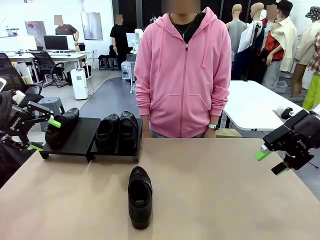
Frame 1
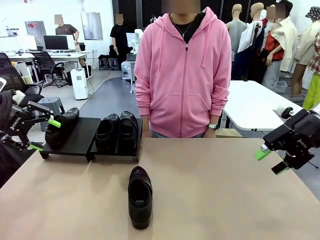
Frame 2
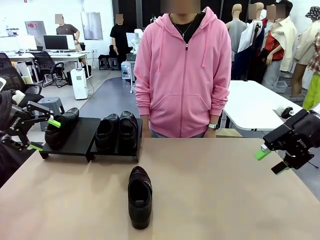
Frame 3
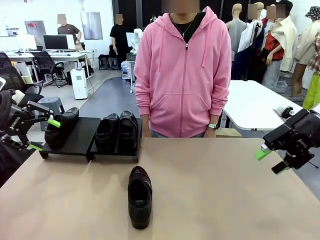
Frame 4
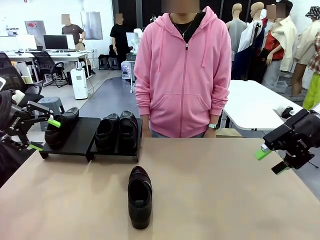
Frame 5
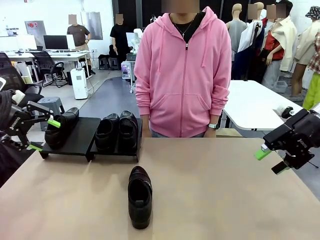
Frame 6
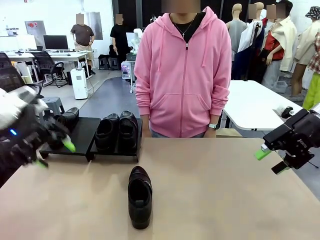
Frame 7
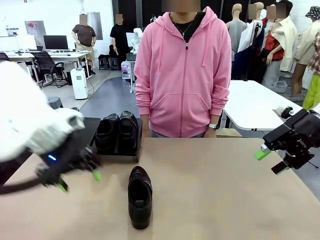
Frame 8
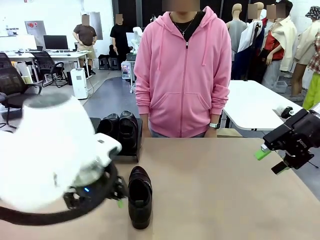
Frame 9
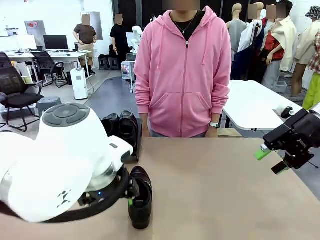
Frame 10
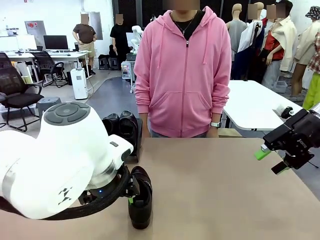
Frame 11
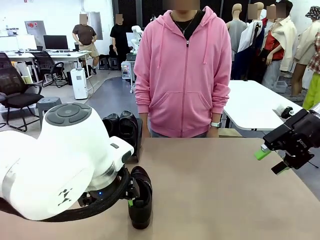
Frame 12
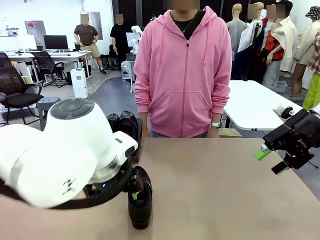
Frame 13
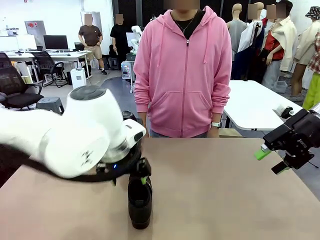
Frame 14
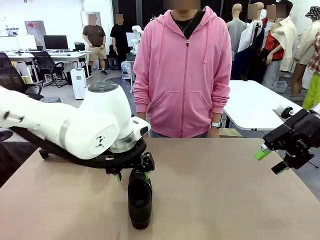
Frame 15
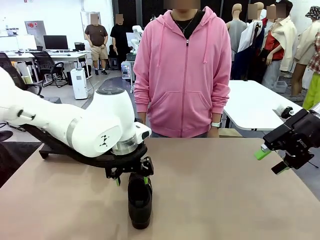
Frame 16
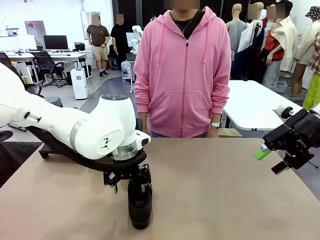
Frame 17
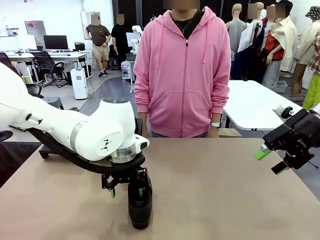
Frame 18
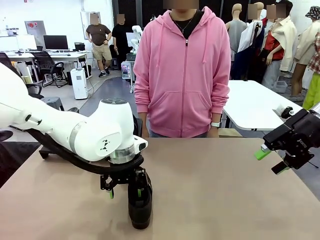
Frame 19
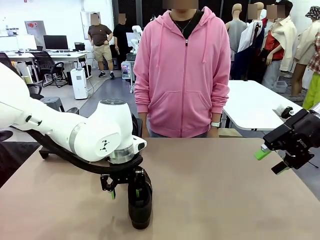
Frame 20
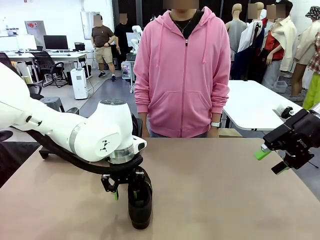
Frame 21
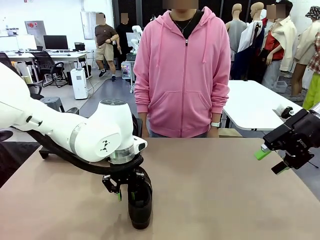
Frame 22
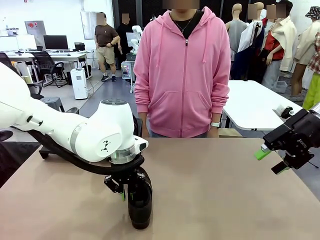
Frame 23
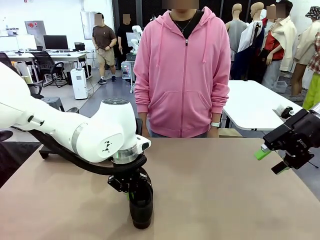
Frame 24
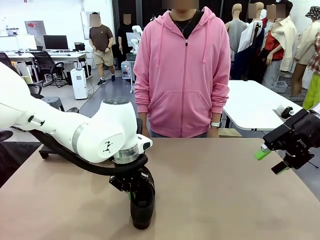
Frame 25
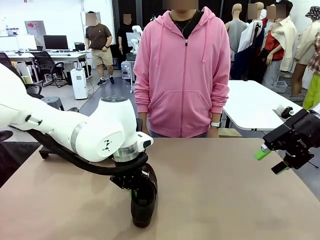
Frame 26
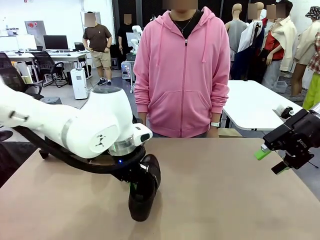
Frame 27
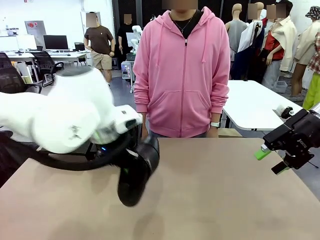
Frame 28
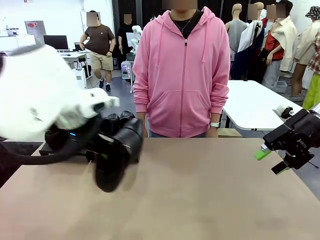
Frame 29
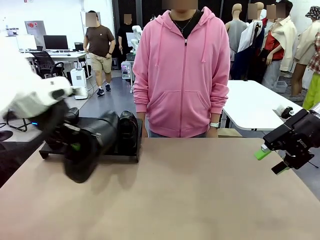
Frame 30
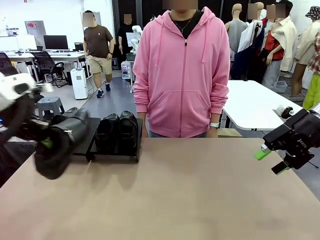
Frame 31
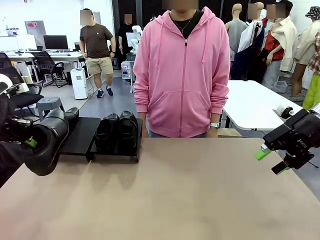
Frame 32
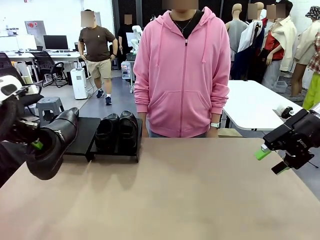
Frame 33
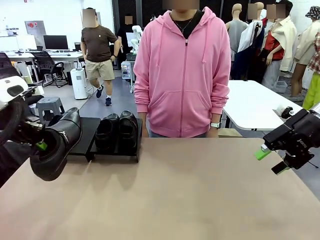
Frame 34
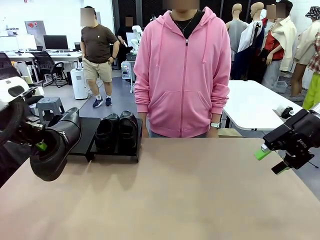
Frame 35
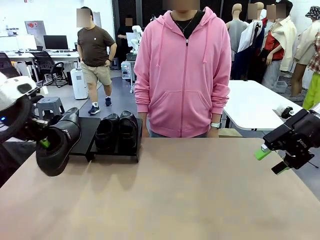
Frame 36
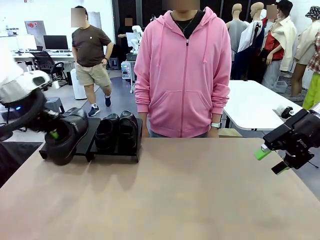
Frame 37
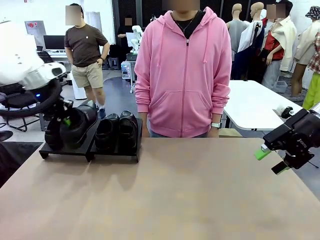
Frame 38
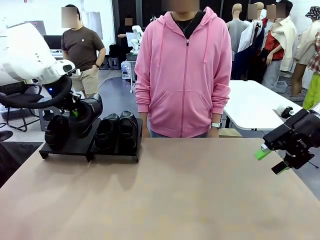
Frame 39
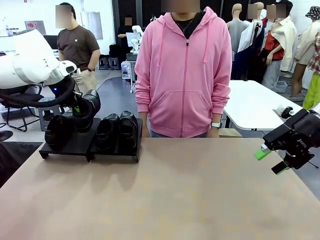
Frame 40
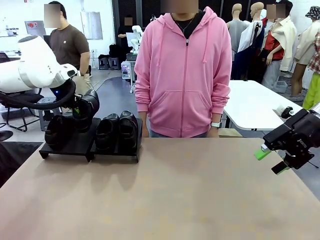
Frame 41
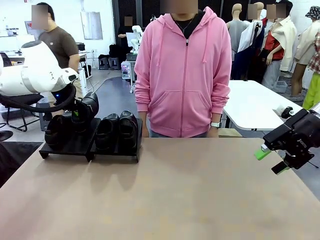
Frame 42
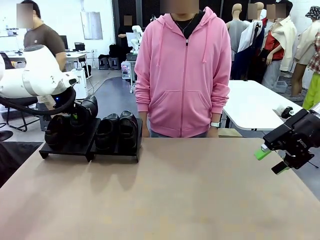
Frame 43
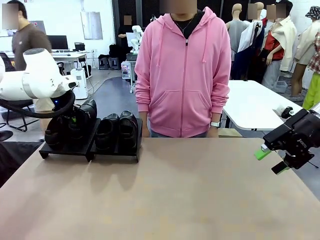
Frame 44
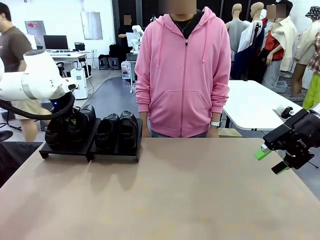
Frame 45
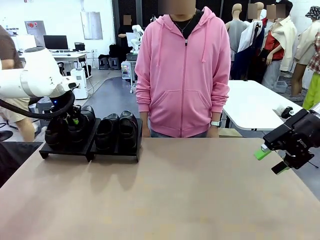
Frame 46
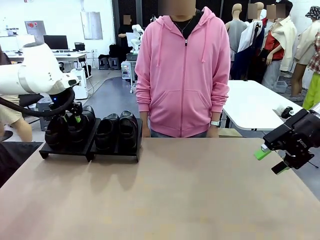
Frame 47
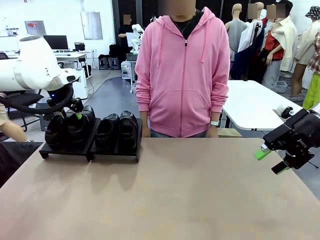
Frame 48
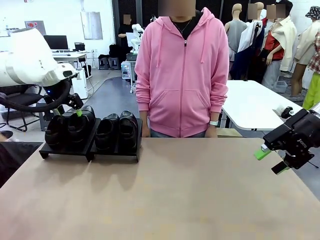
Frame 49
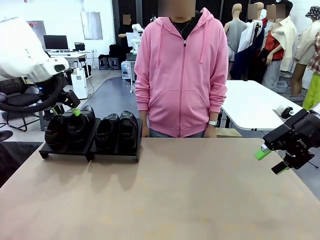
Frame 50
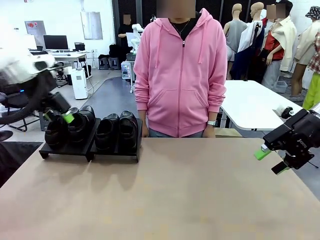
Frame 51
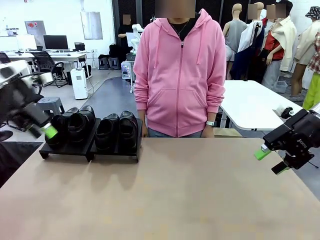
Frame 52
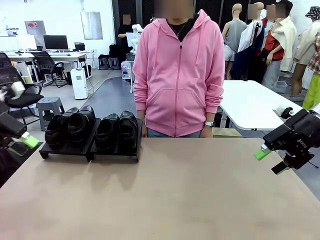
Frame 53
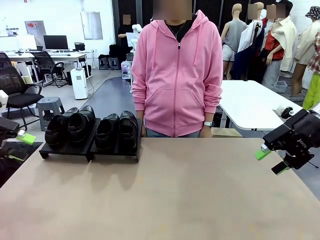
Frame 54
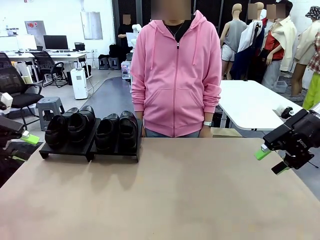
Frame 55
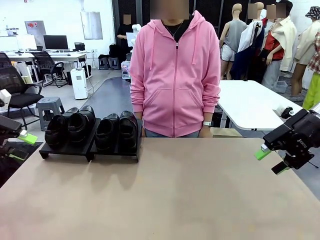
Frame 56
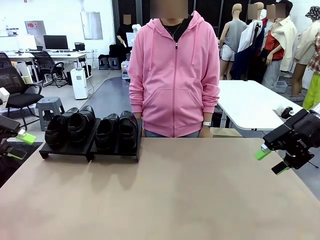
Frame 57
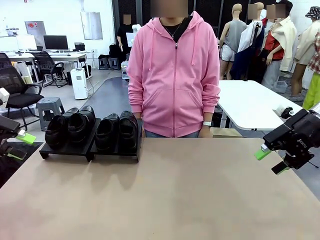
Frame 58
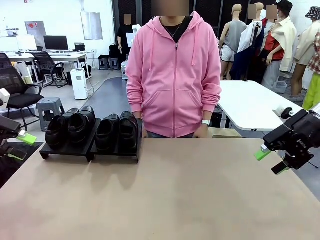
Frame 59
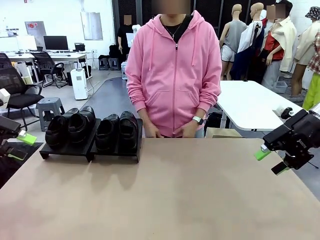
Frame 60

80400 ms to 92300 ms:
Task: Organize the shoes by placing them on the stand.
Robot: Place the Shoe from the middle of the table onto the Shoes Stand.

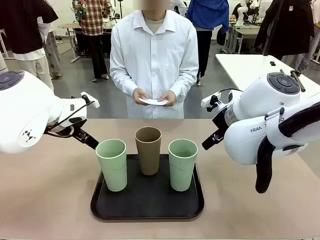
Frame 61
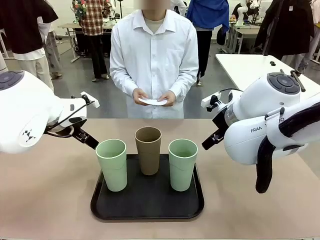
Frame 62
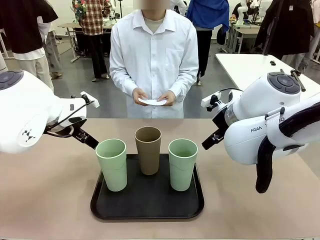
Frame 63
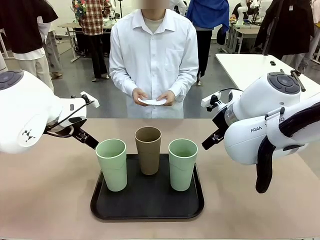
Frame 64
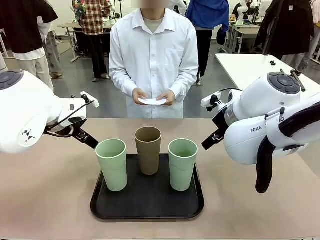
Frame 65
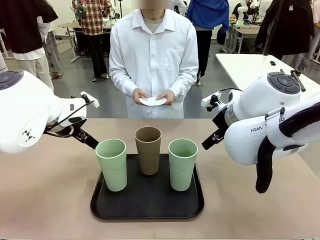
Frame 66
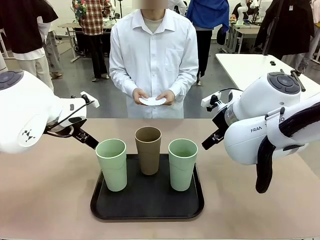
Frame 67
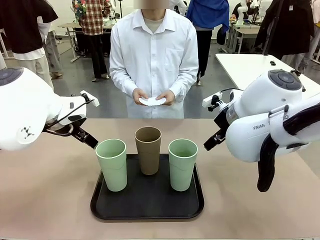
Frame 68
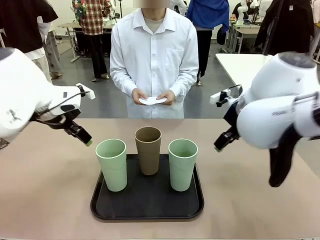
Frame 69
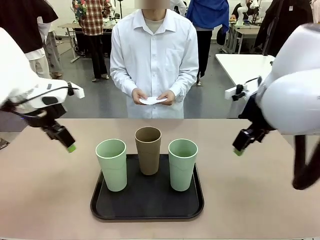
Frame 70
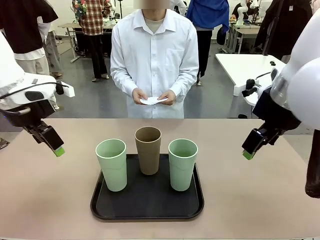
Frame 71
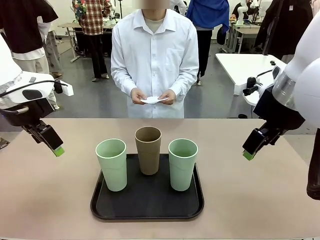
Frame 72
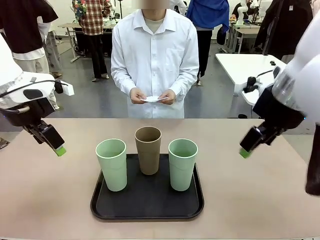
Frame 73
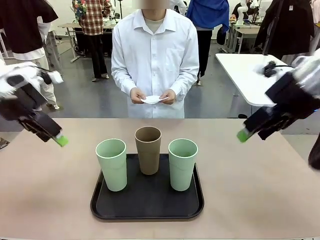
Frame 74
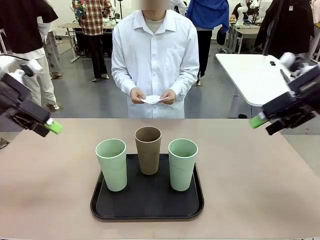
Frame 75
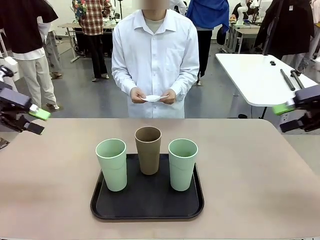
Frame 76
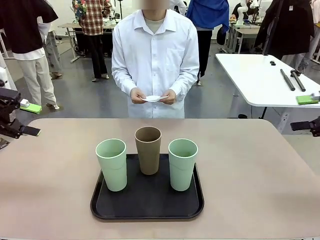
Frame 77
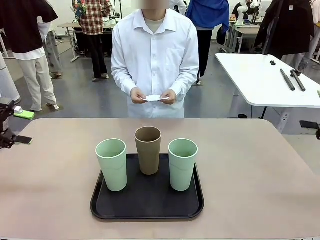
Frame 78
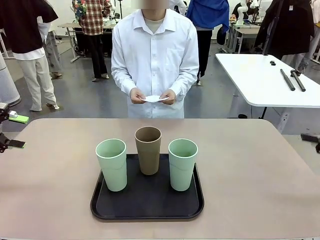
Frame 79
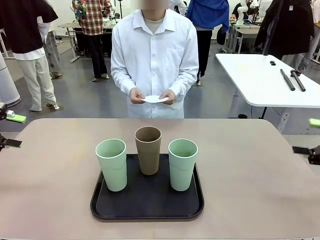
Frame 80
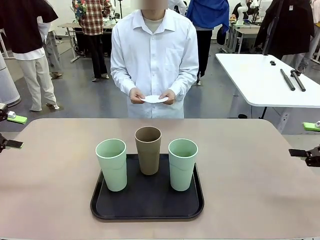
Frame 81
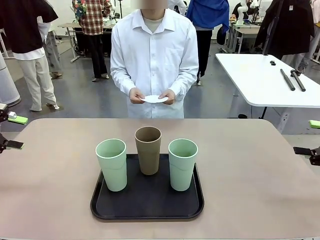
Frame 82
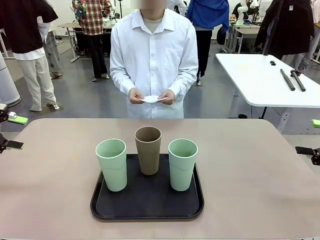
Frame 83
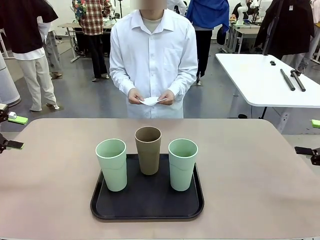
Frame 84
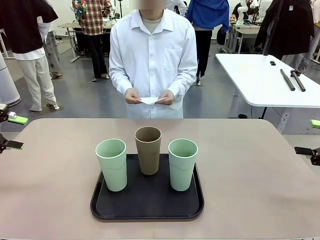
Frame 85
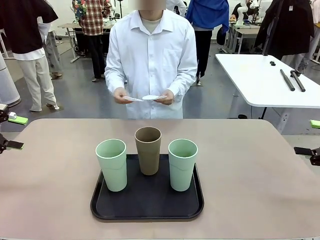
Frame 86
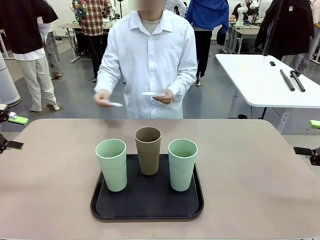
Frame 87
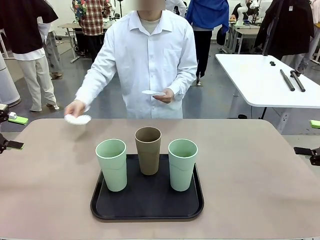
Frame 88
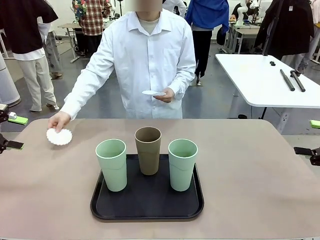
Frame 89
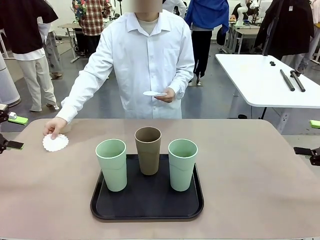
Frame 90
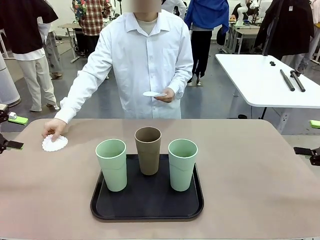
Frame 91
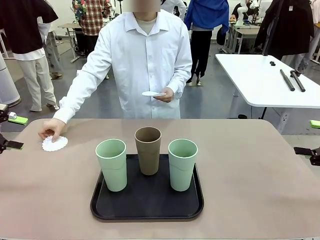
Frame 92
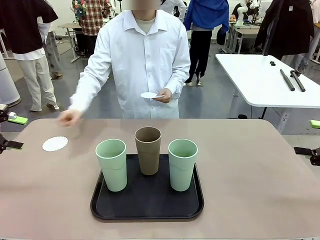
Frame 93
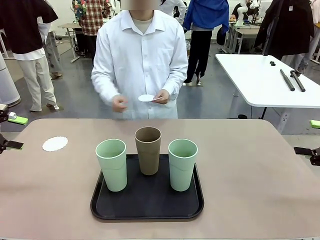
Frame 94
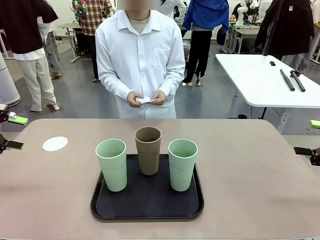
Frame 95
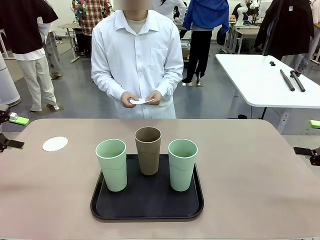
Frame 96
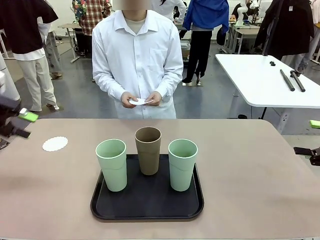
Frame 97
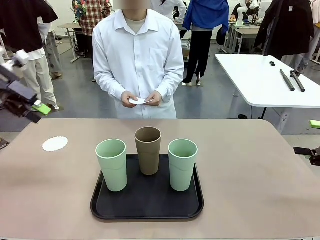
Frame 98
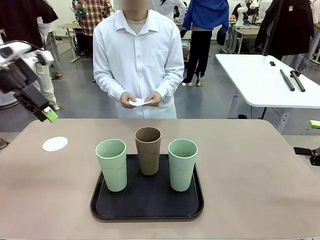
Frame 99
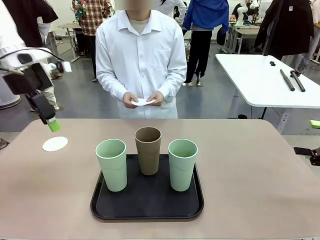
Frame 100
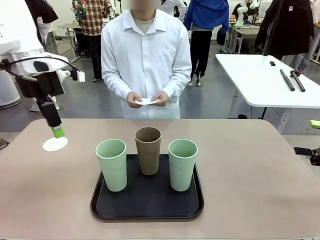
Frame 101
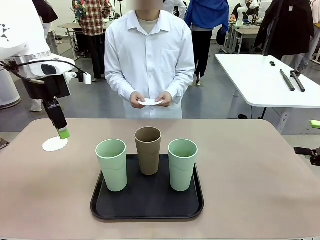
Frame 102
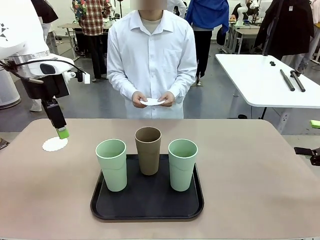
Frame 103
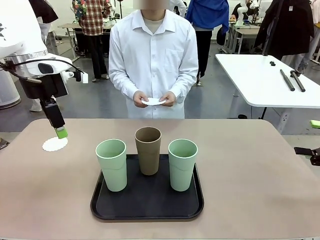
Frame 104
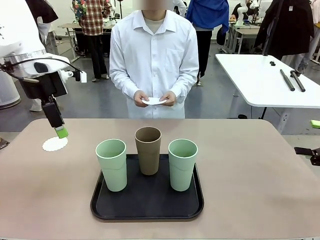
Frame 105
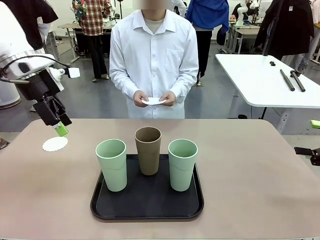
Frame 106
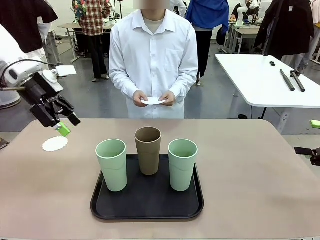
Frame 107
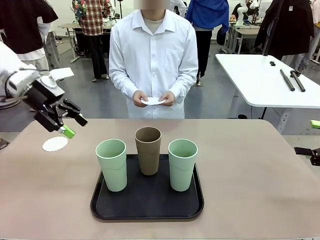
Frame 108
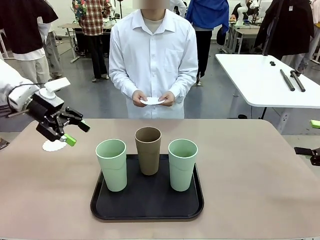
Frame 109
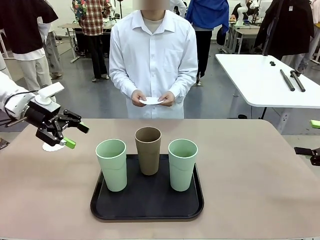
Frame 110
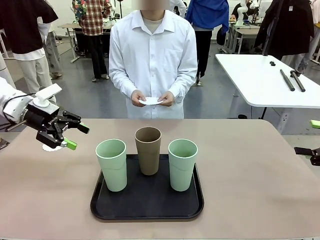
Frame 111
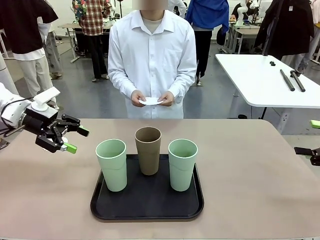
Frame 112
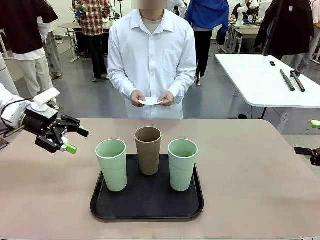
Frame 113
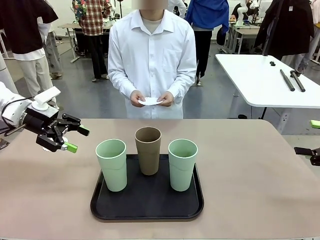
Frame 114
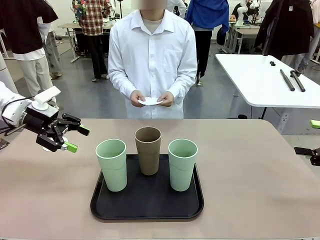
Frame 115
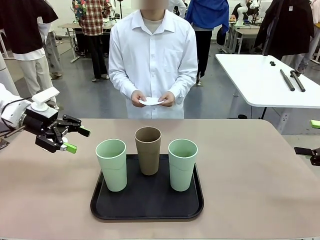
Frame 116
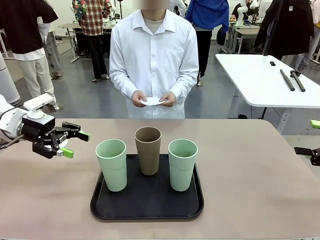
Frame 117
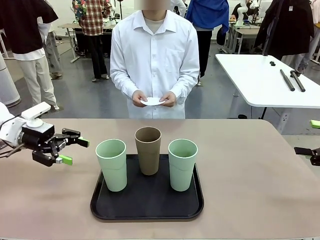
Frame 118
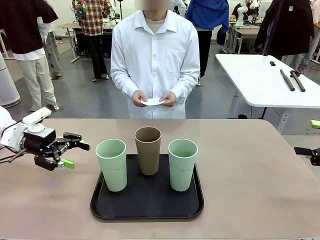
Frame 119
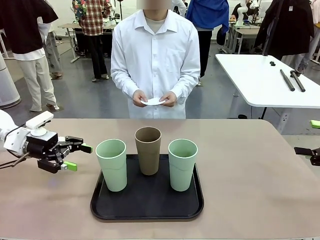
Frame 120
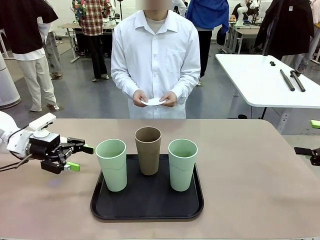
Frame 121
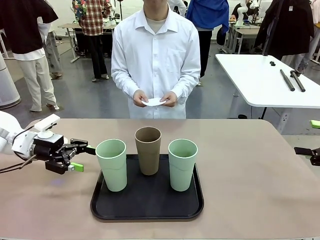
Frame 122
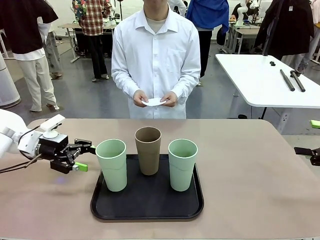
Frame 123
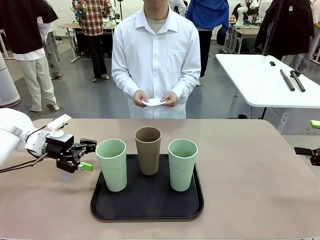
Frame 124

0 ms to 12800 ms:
Task: Place coasters on the table and set cups on them.
Robot: Pick up one Reusable plastic cup and place it on a coaster set by the human.
Person: Place one coaster in any one of the three lower areas of the robot table (left, center, or right).
